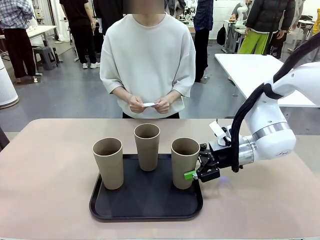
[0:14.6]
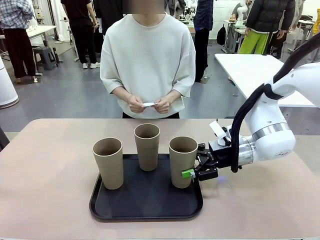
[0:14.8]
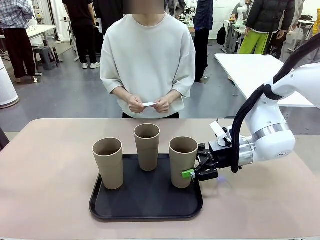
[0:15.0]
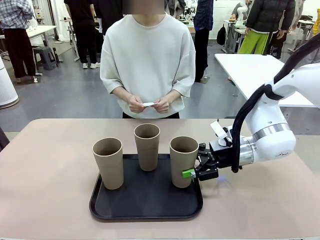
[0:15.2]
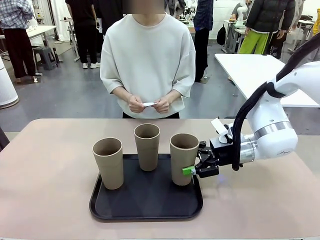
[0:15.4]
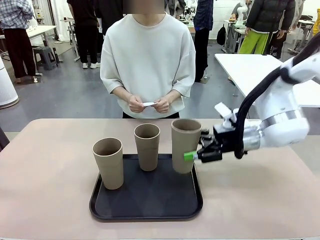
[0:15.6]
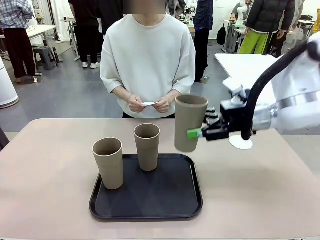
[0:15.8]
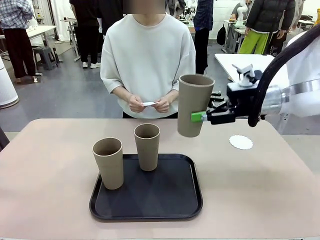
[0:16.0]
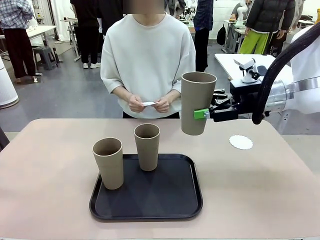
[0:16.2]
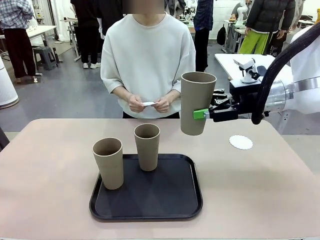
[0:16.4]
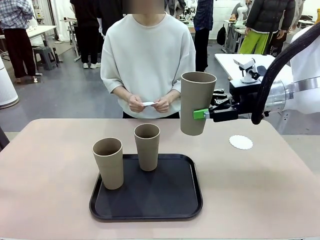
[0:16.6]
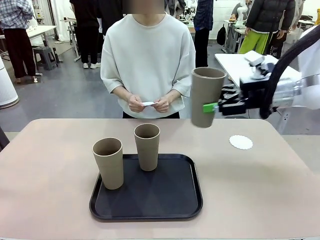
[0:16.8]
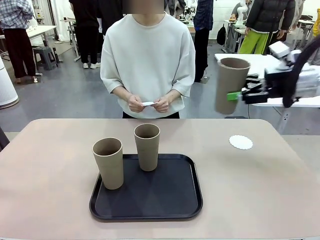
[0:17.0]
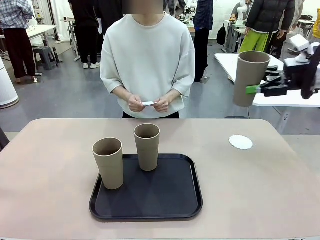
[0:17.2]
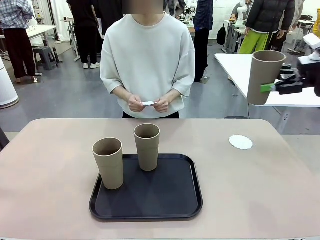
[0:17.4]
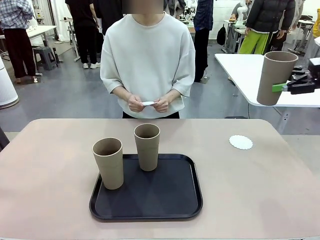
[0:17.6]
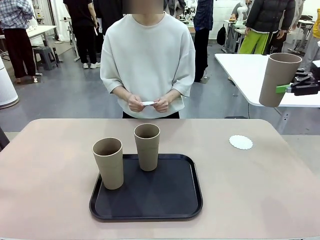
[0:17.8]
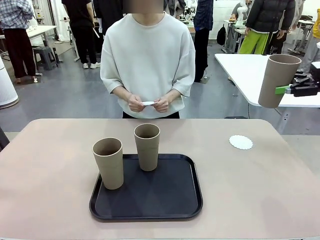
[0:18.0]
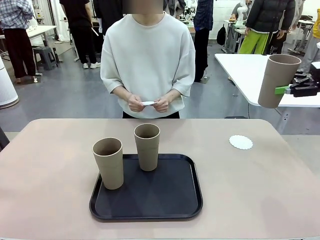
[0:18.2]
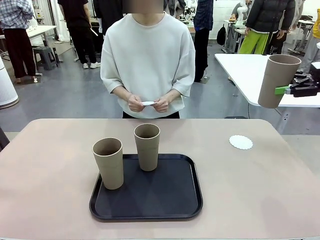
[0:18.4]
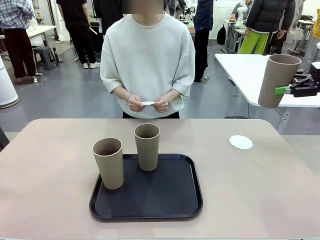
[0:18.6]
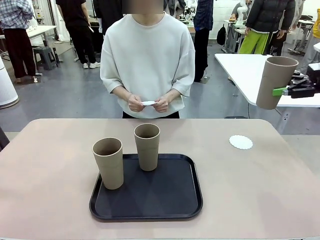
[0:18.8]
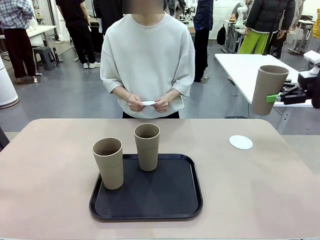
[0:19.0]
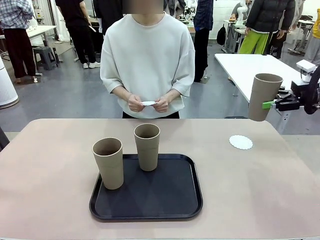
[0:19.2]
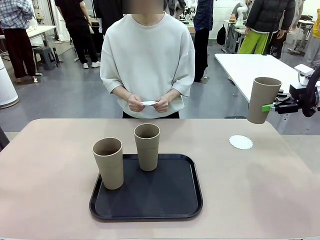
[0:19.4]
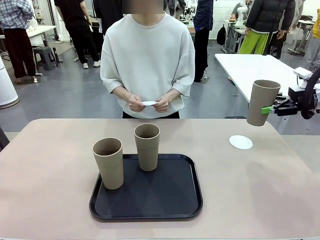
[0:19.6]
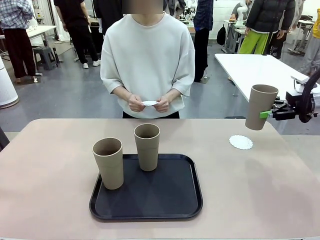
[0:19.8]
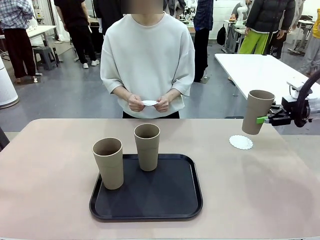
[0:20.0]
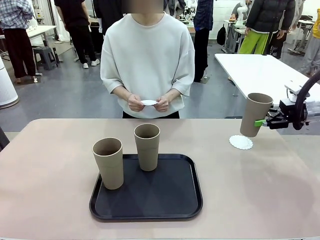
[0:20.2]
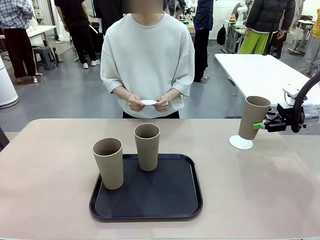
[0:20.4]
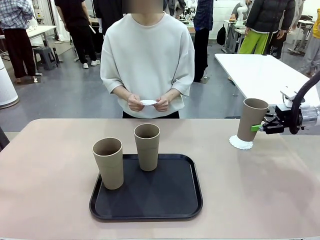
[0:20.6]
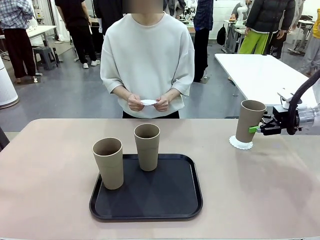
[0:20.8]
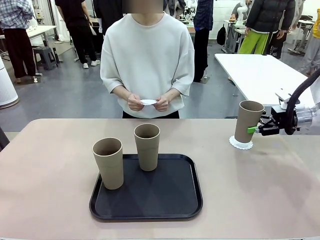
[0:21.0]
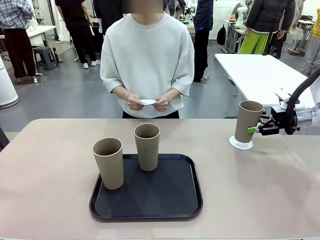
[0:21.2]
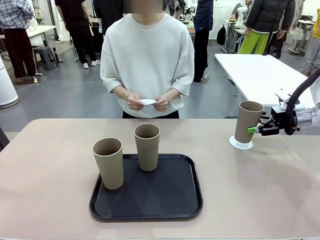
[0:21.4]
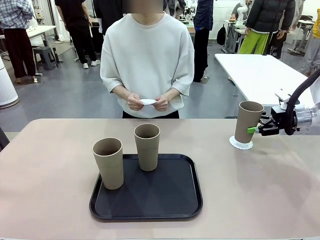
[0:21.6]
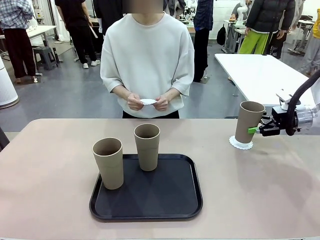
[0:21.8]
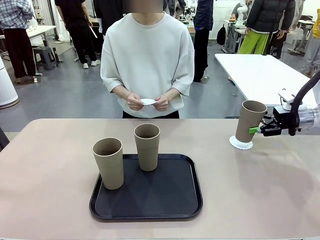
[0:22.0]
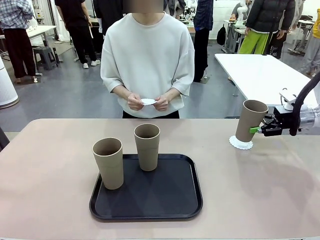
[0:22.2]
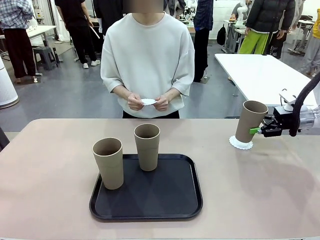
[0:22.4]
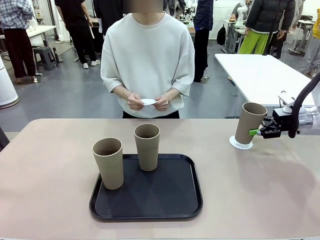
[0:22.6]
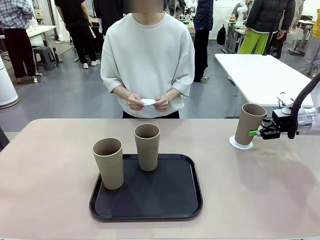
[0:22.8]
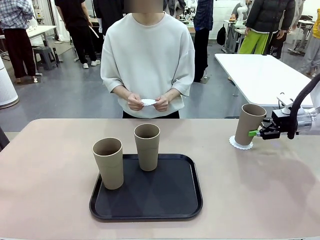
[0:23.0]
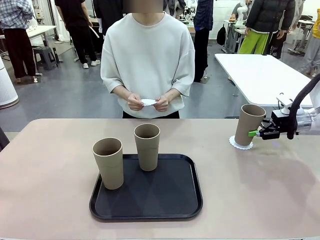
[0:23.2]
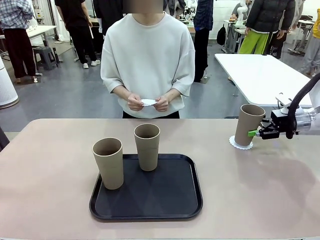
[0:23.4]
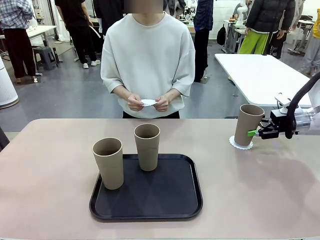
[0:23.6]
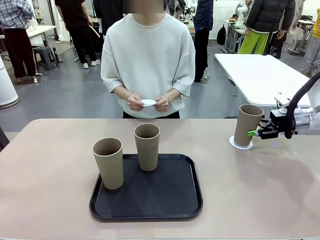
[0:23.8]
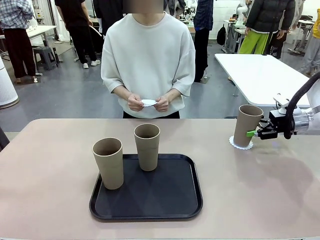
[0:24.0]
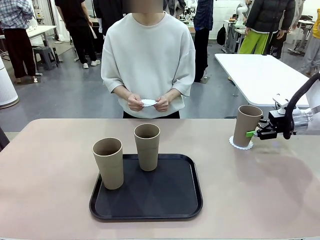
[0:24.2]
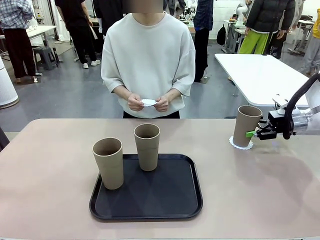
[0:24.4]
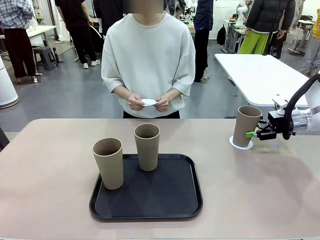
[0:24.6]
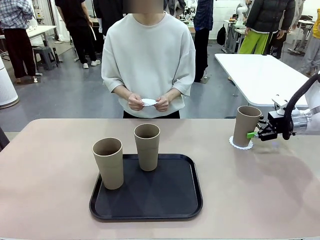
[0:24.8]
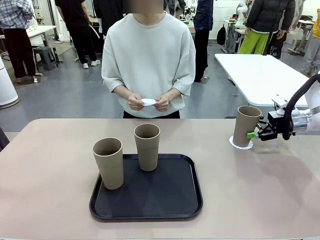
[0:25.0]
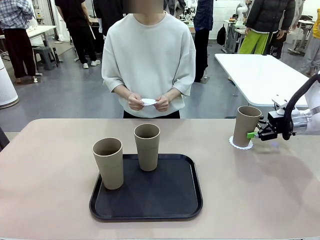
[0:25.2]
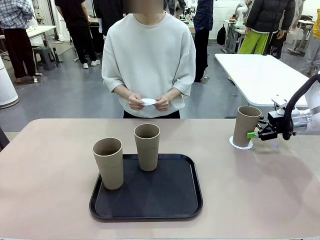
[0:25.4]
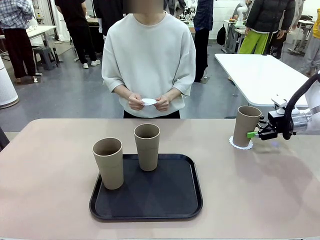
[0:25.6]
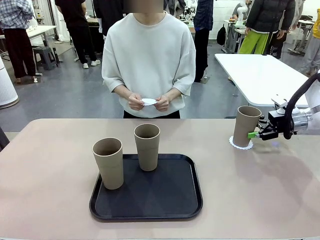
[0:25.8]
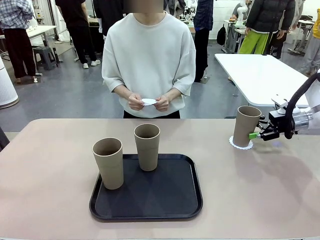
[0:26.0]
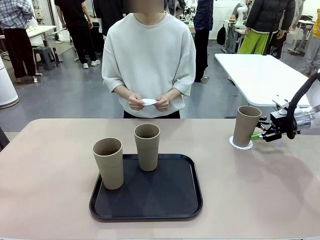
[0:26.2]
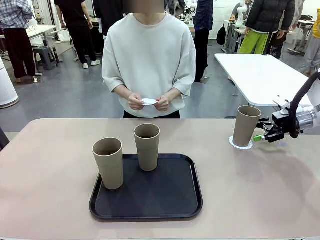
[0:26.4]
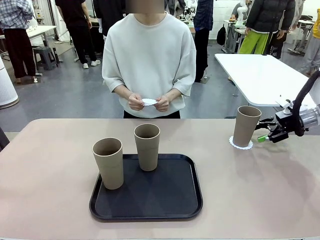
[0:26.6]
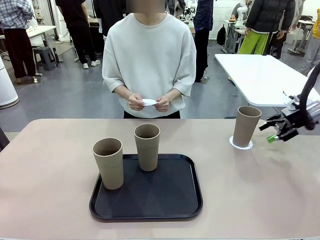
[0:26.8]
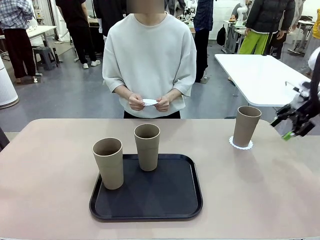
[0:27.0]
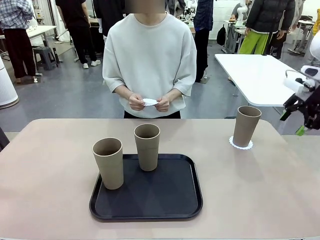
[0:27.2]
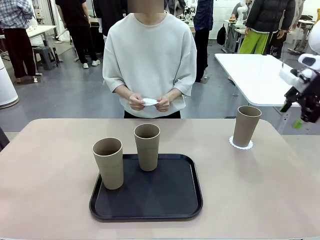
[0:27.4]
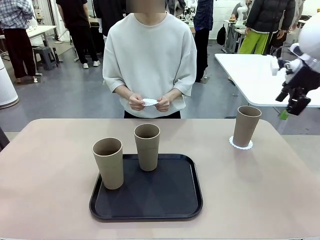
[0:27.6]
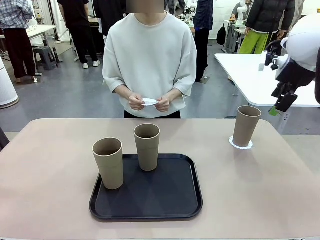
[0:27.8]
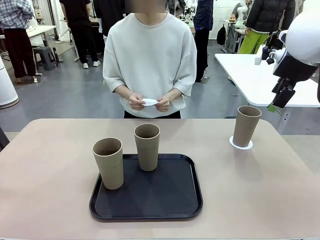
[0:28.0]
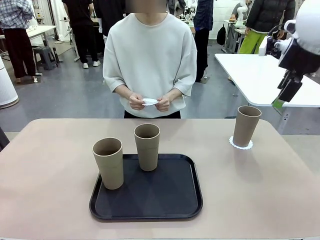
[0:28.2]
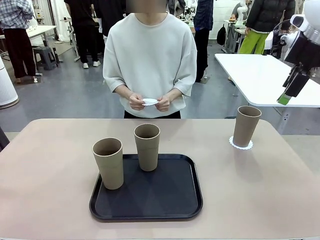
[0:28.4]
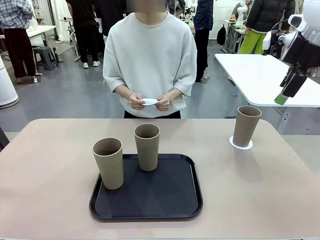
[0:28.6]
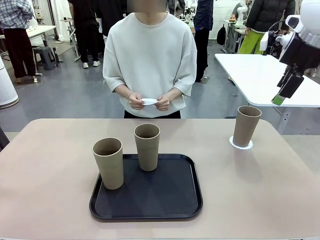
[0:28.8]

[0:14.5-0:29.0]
Task: Place coasters on the table and set cups on them.
Robot: Pick up one Reusable plastic cup and place it on a coaster set by the human.
Person: Place one coaster in one of the two areas excluding the previously selected area.
